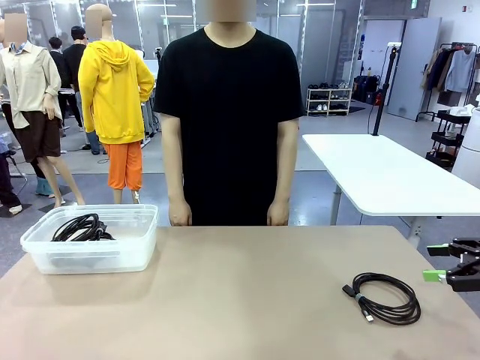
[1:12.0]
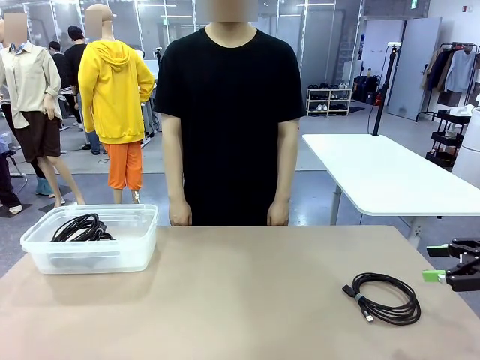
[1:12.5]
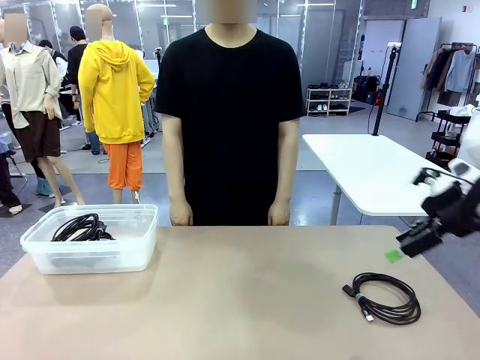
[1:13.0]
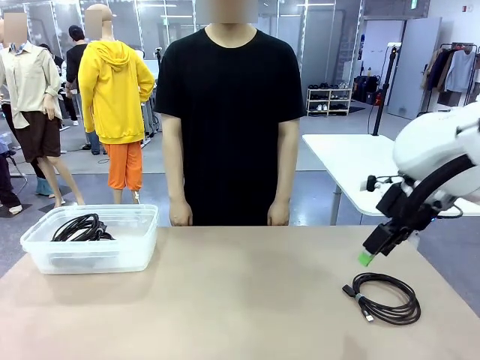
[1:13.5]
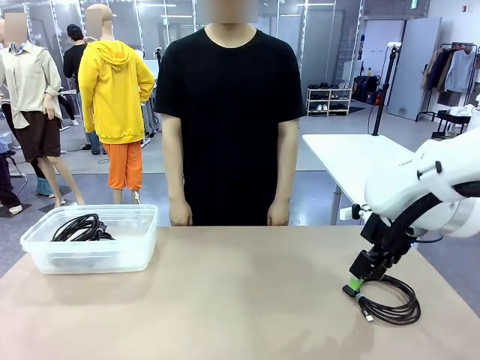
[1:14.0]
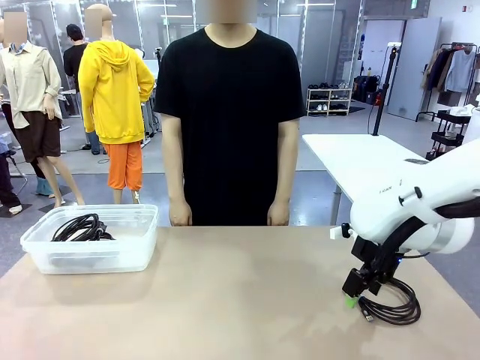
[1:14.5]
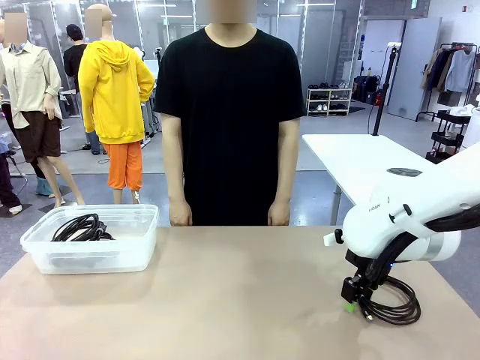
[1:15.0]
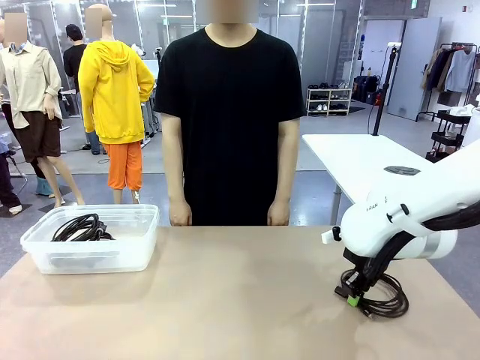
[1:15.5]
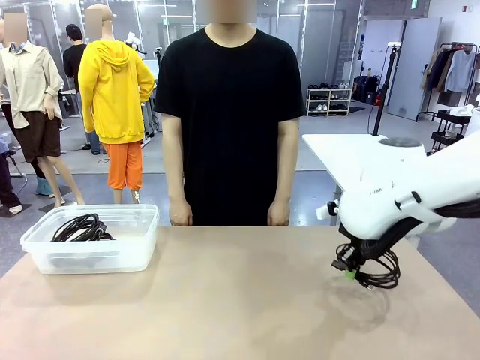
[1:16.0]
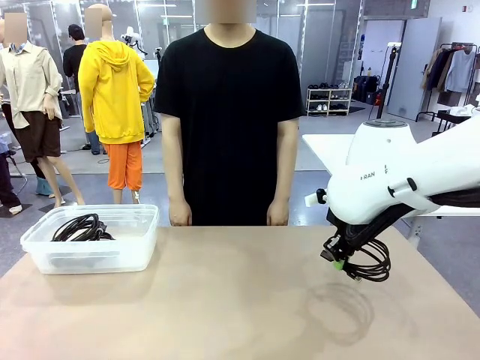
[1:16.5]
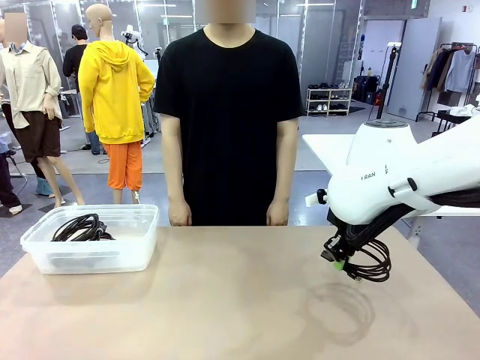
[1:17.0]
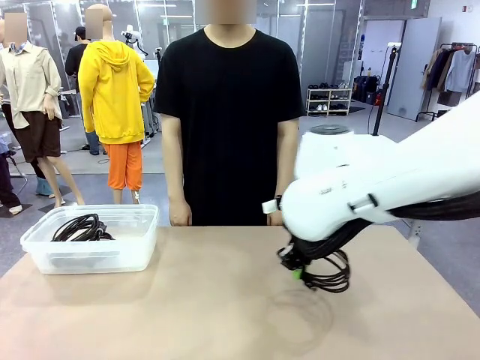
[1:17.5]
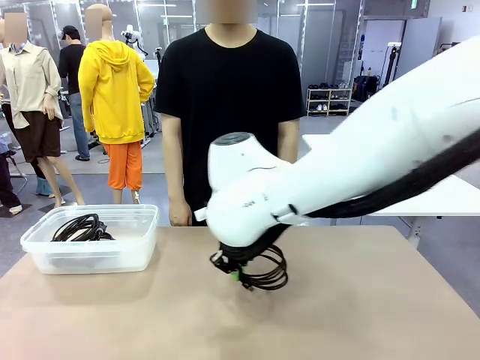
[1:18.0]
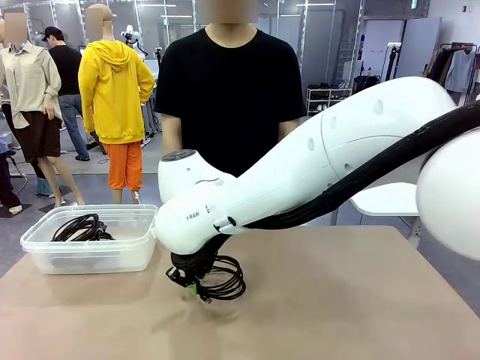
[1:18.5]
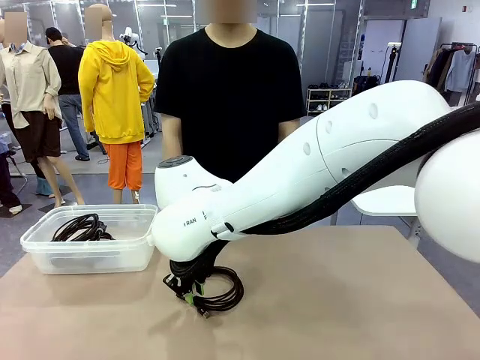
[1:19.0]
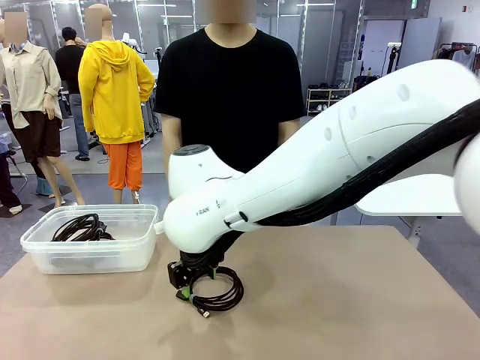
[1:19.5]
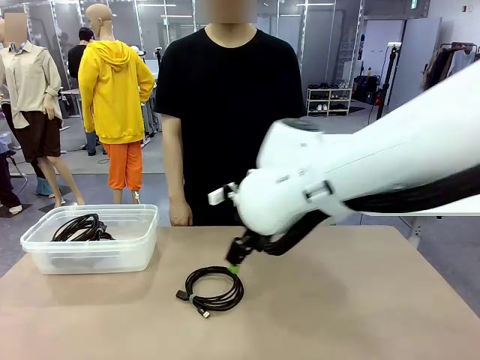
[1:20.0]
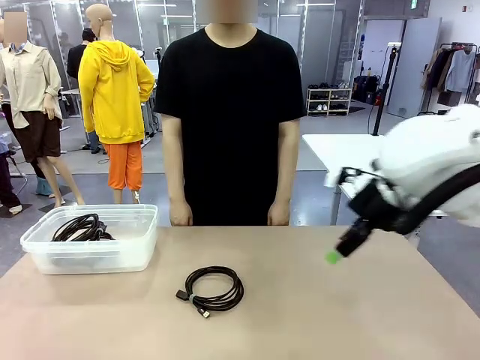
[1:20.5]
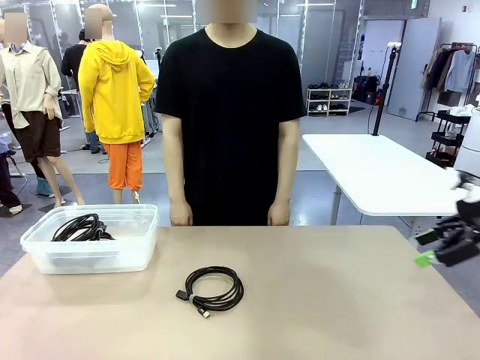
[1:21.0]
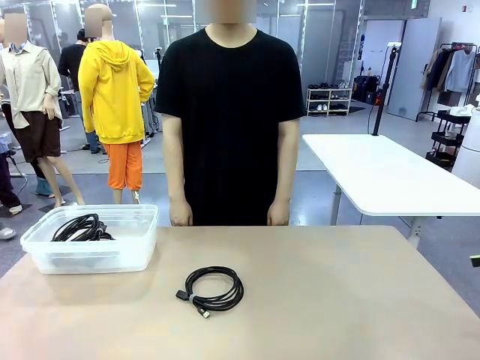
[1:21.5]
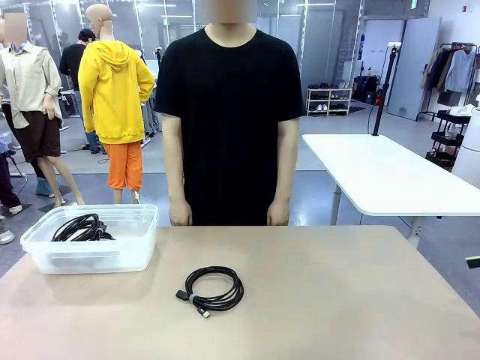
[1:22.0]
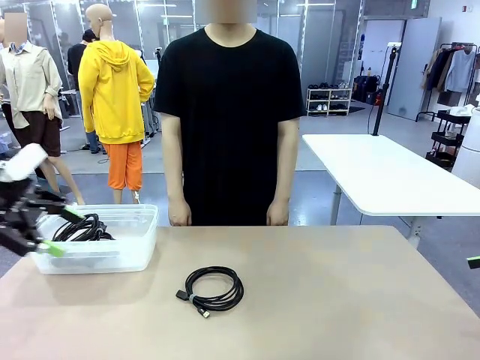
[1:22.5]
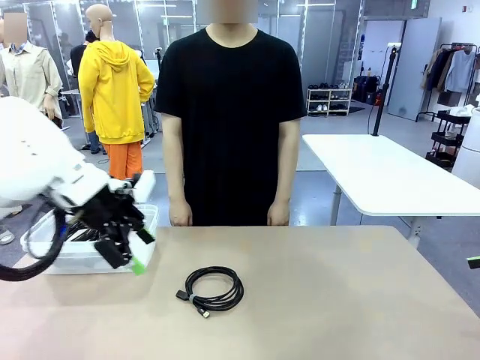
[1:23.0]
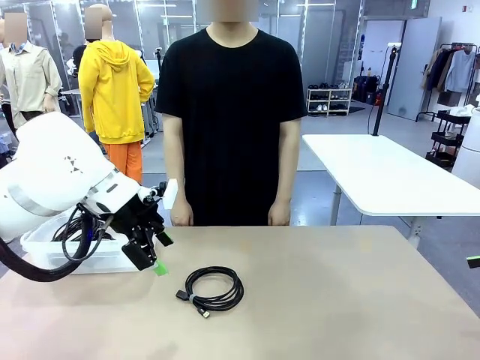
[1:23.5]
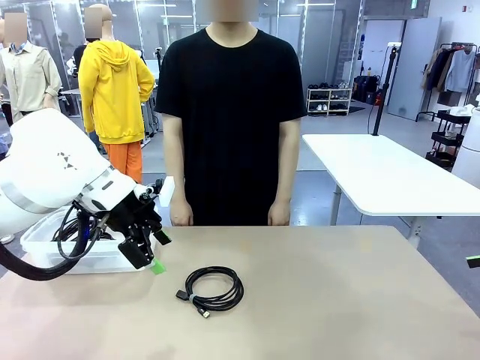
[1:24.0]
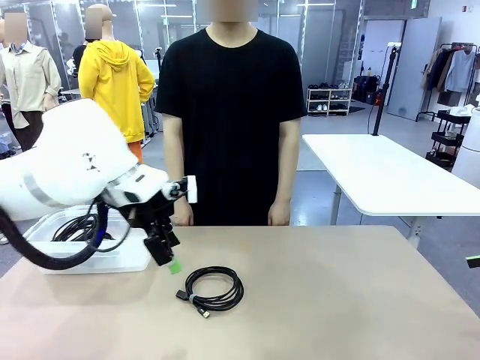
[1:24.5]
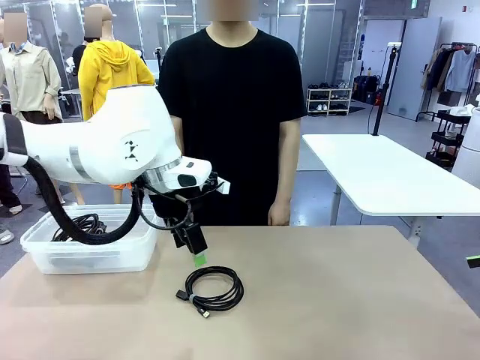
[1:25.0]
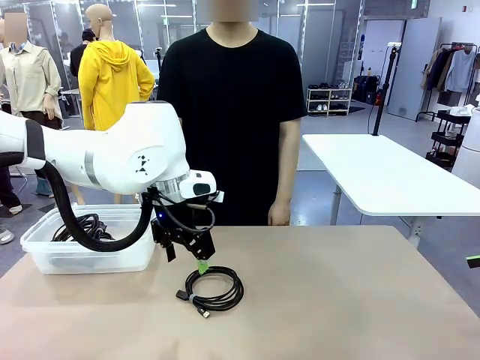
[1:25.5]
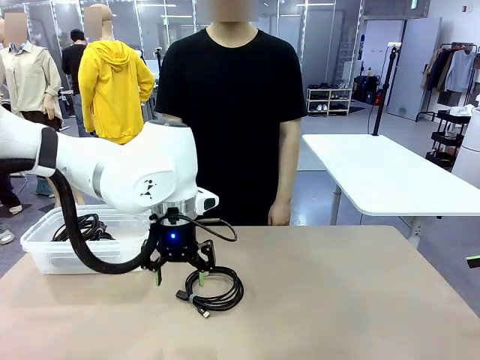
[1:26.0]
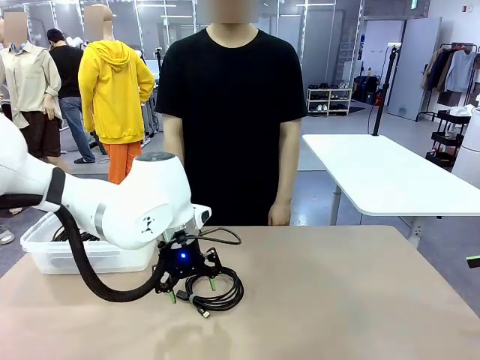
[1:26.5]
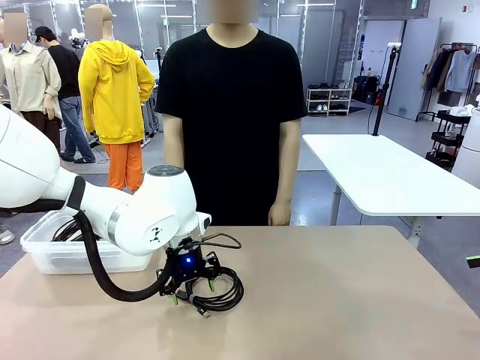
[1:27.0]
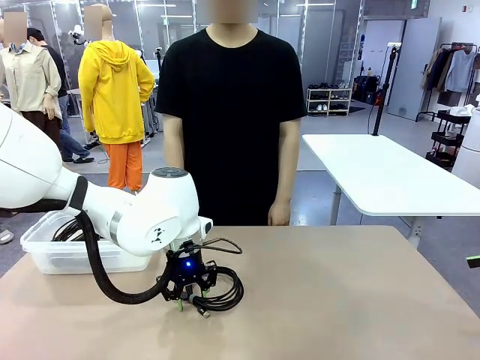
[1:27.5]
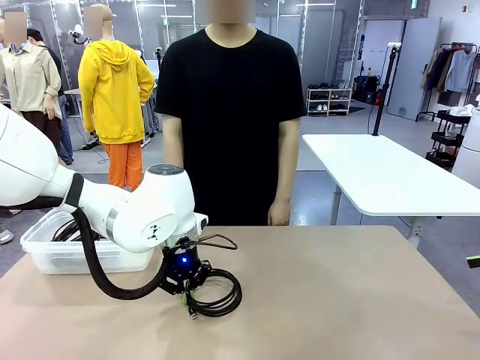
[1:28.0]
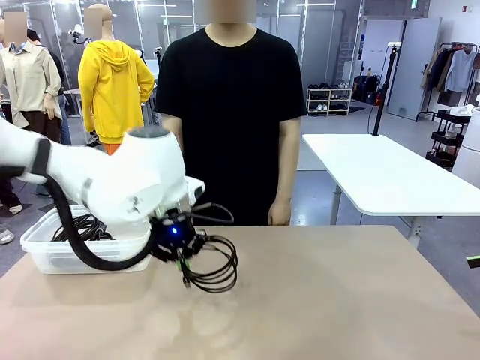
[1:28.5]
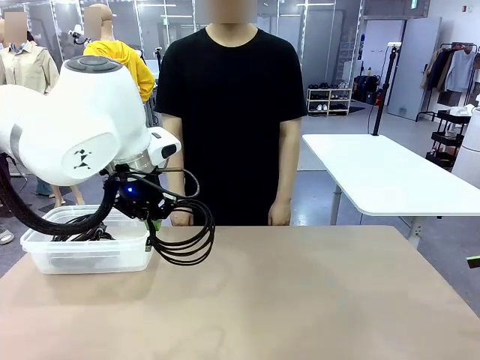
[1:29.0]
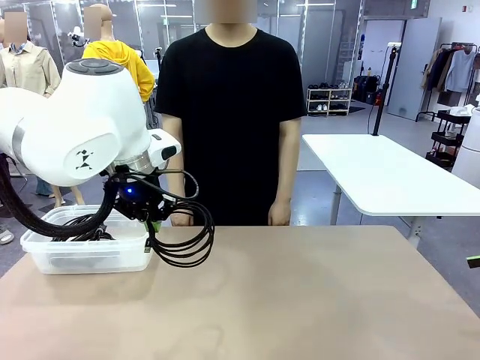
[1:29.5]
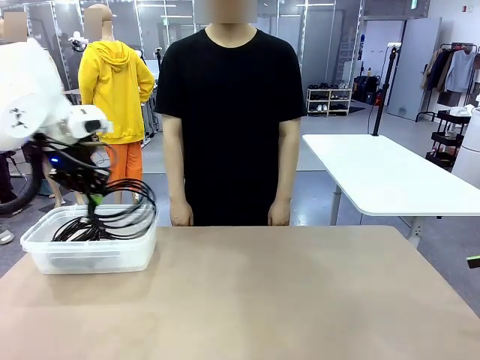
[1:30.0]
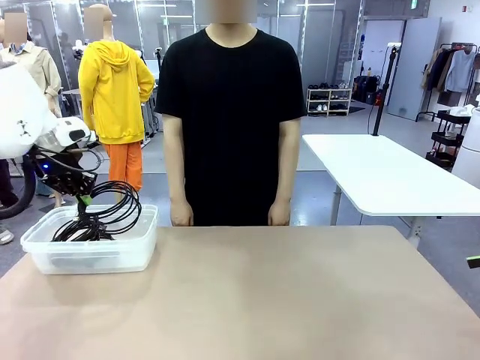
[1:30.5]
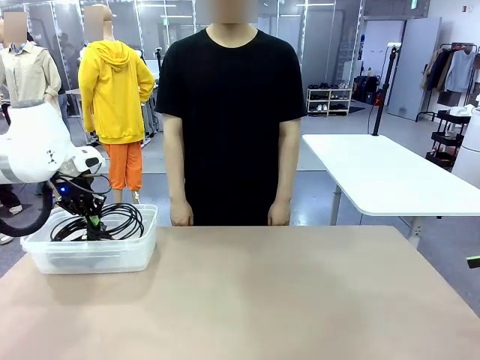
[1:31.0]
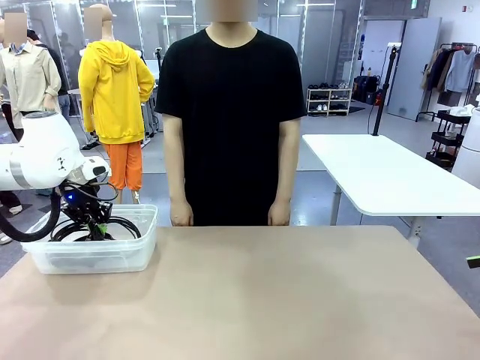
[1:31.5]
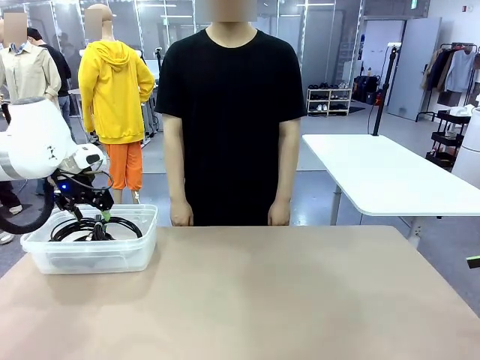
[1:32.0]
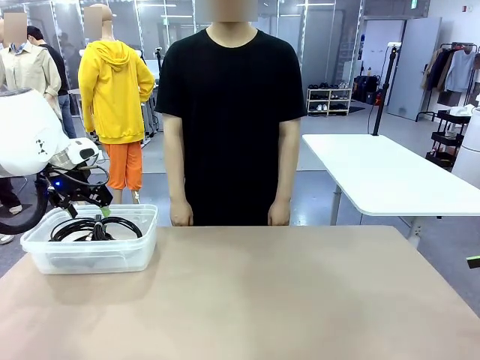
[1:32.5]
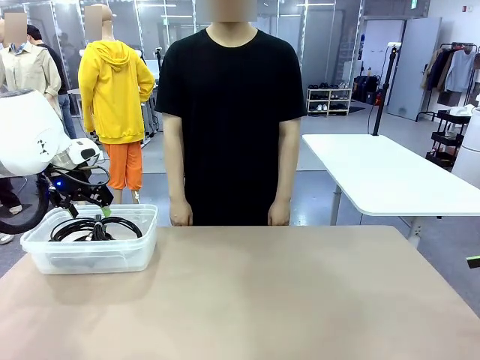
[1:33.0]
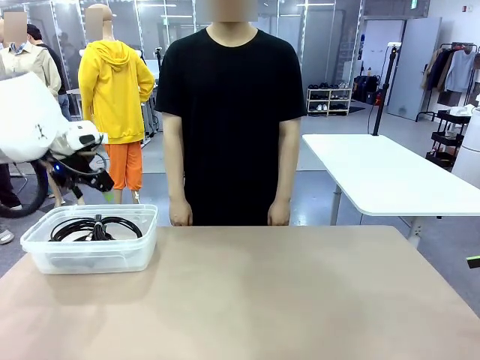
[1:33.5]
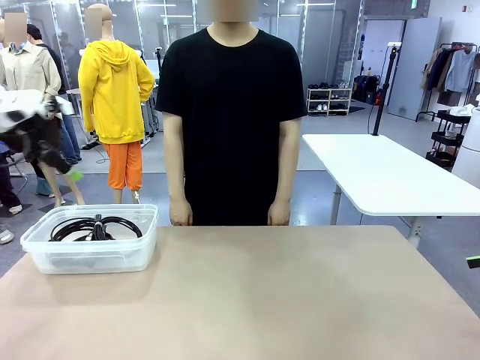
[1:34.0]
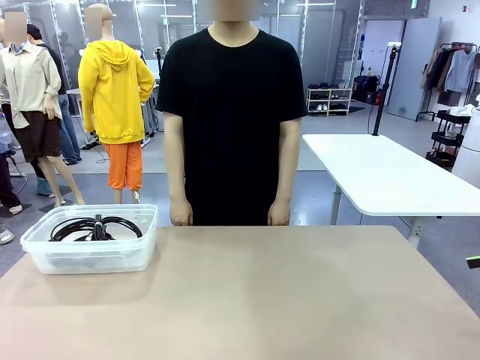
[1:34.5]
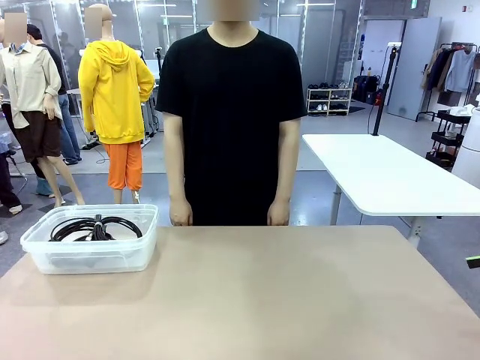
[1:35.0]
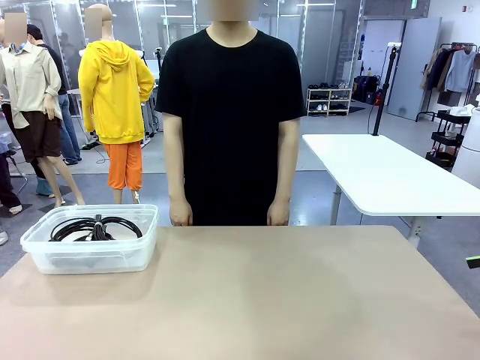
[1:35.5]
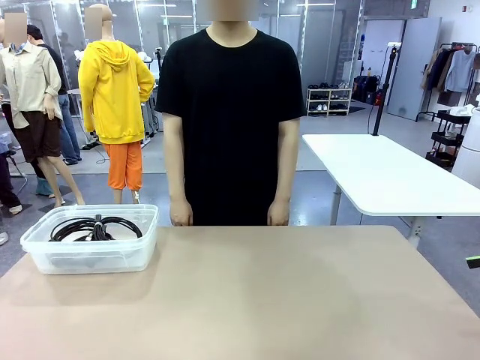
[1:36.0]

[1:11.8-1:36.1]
Task: Organize and store the cables.
Robot: Place the USB Extension Cable into the Organizing box.
